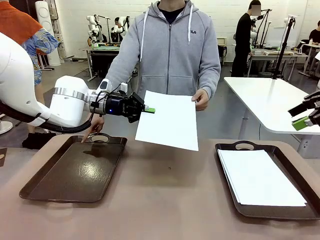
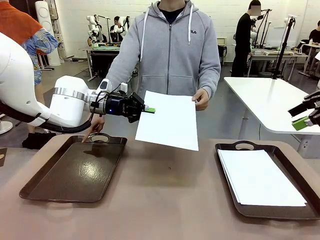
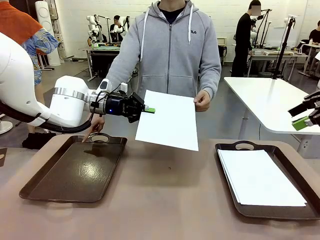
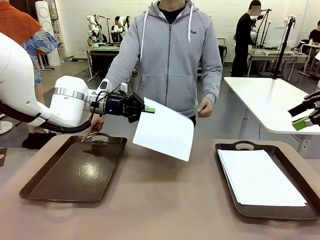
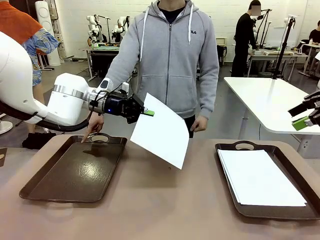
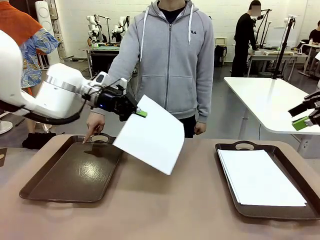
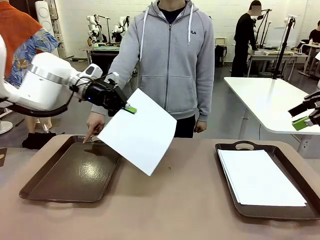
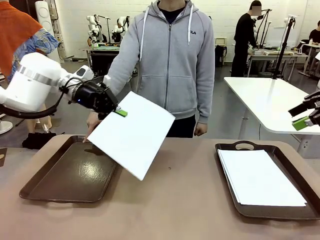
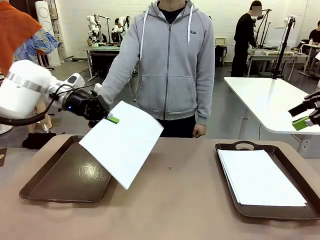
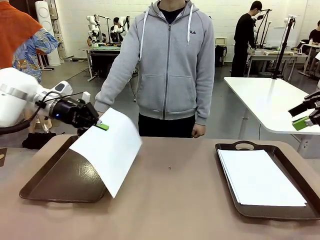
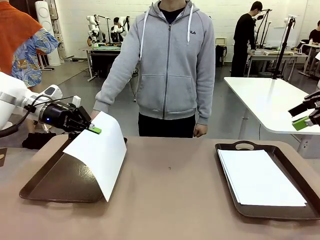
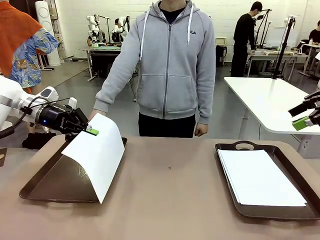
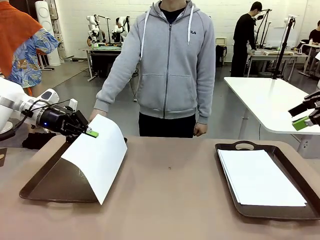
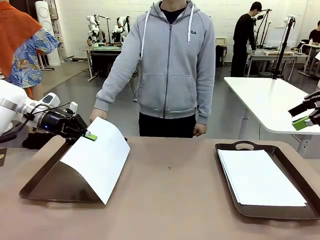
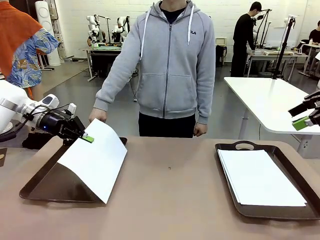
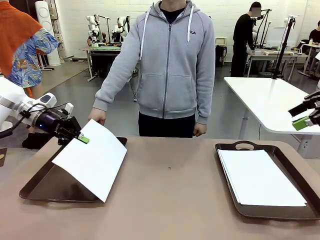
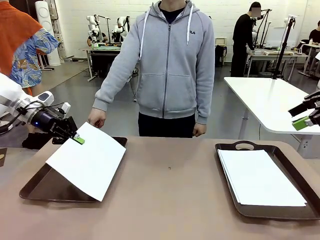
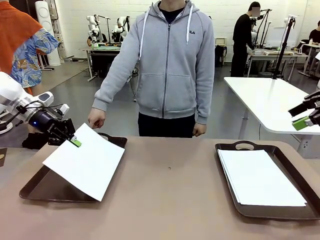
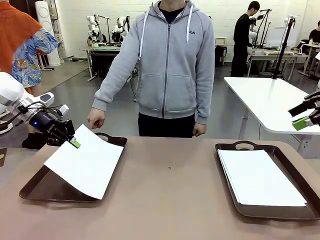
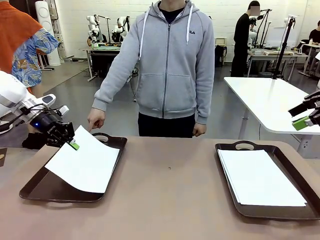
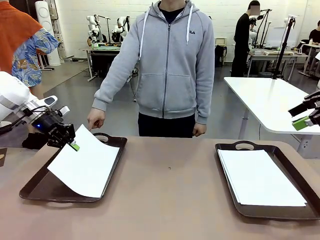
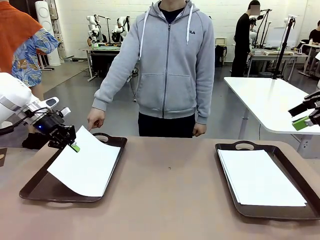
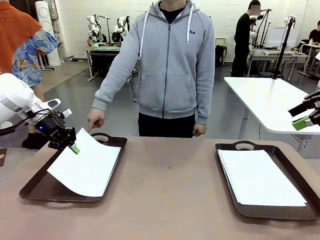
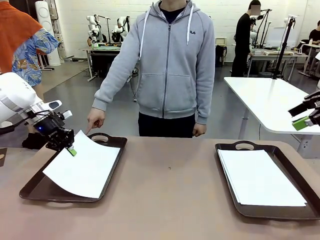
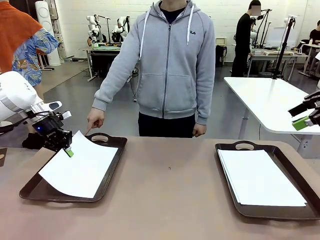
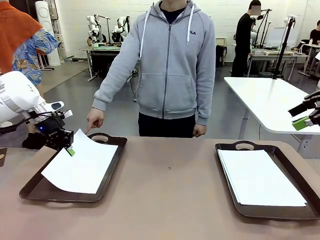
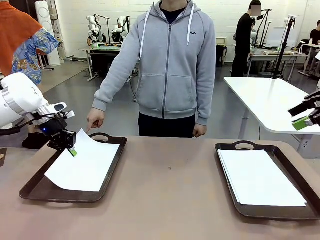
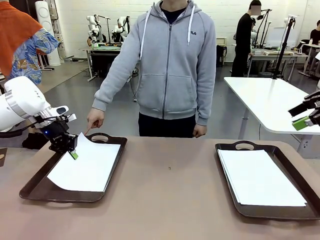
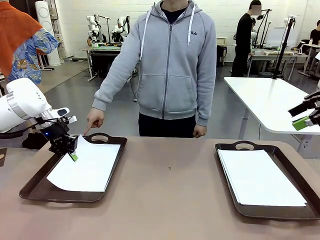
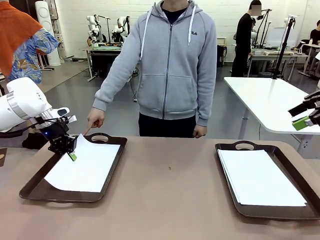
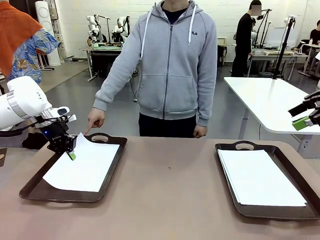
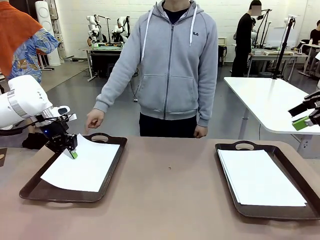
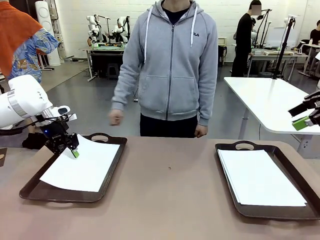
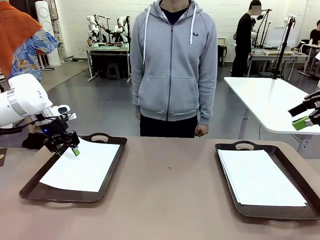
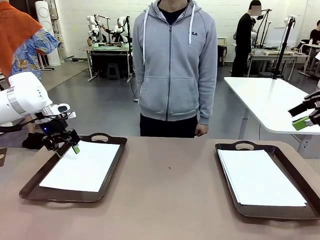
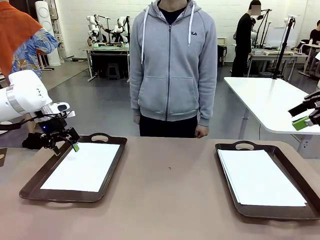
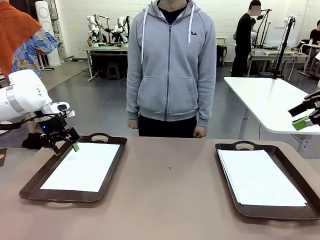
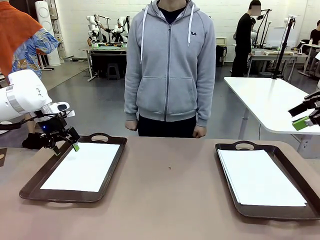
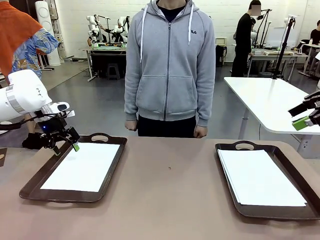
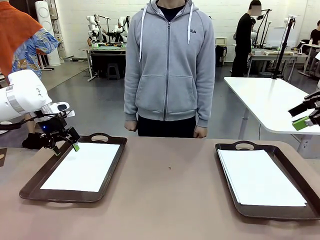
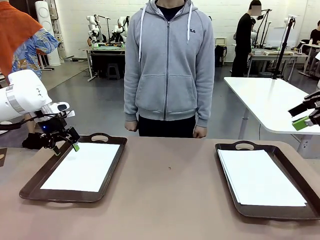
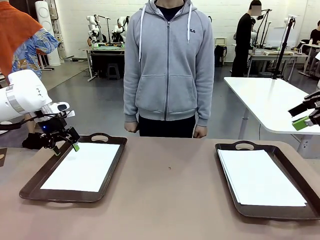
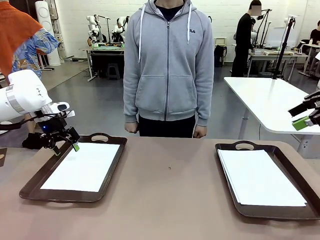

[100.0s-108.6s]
Task: Sort the A4 documents.
Robot: Place the A4 Paper in the designated Handle tray.

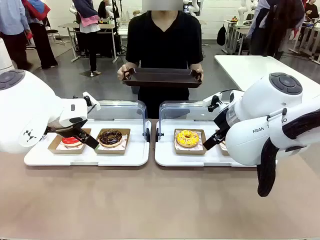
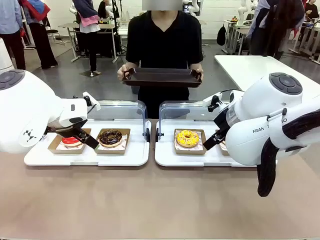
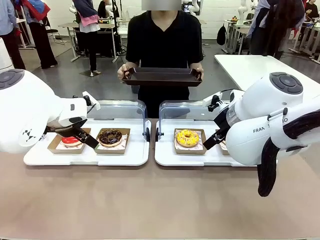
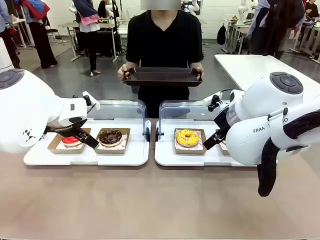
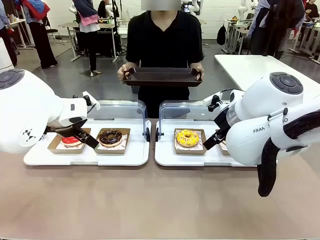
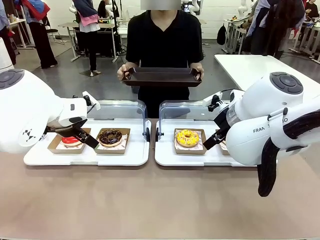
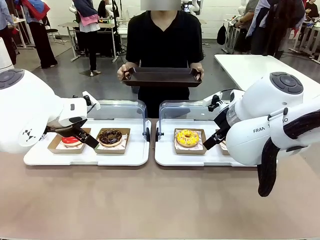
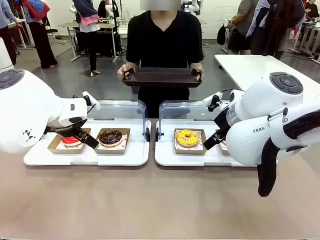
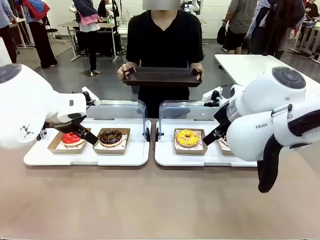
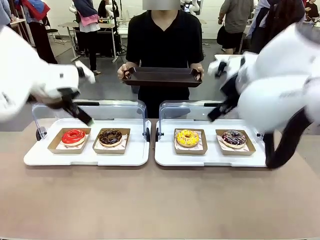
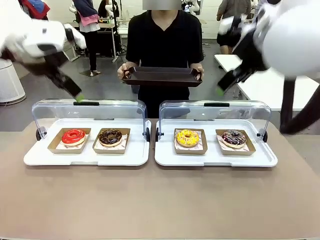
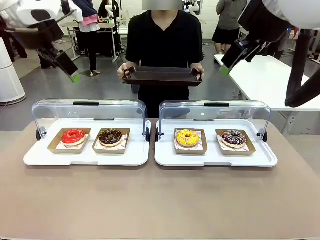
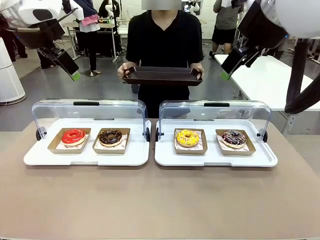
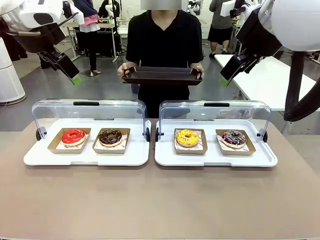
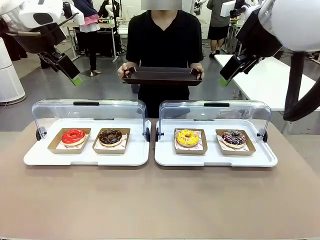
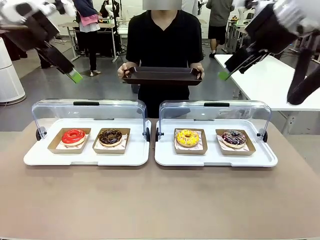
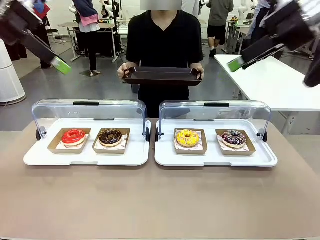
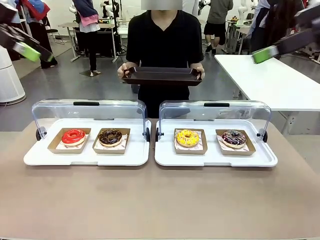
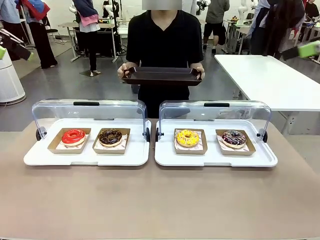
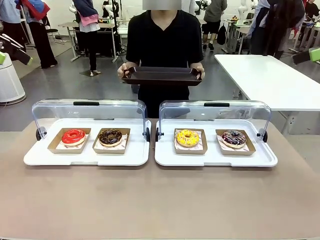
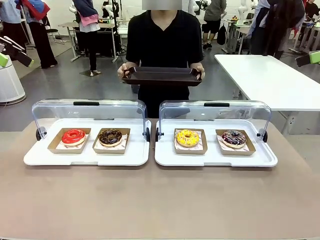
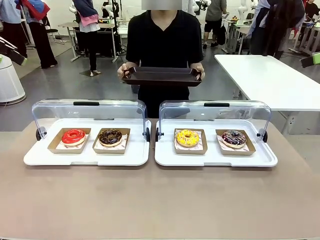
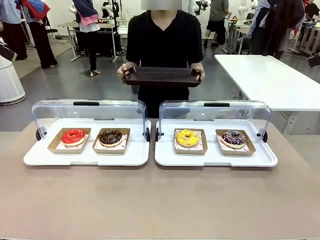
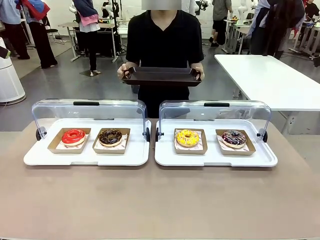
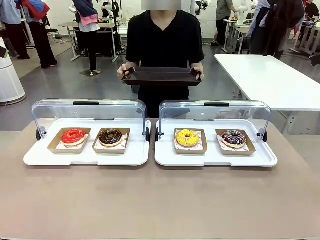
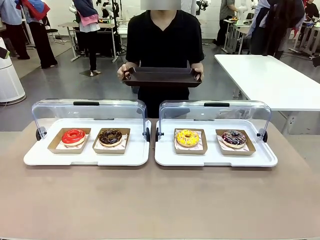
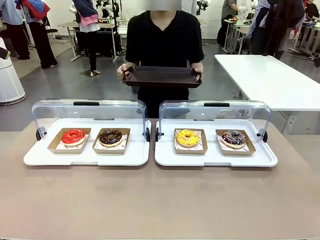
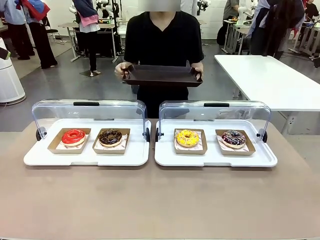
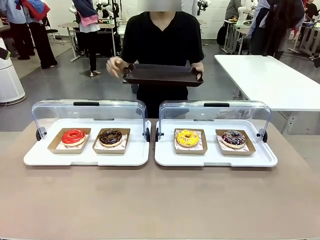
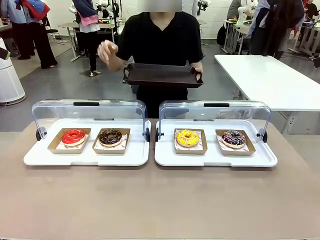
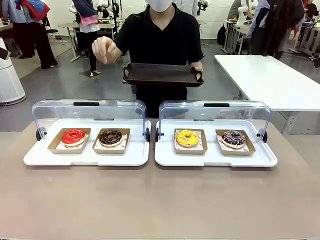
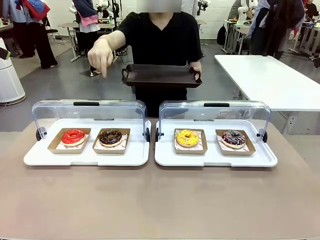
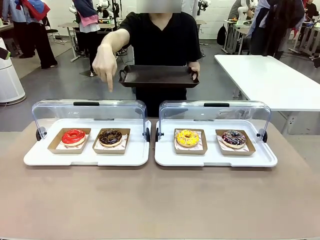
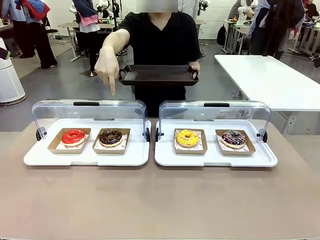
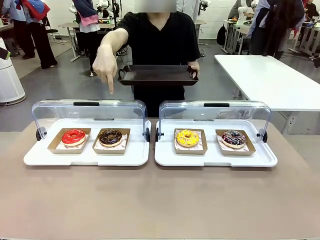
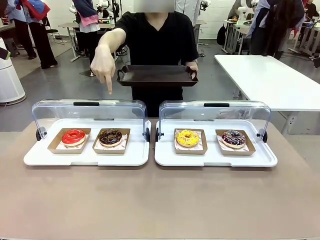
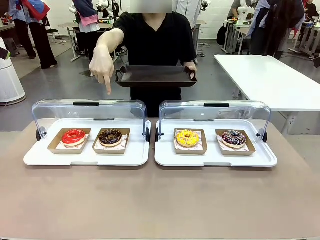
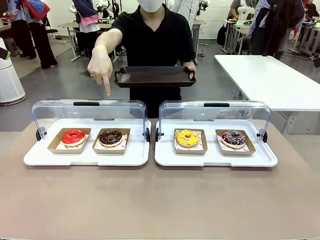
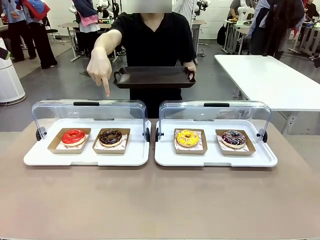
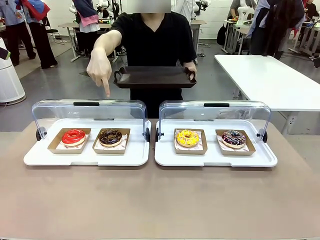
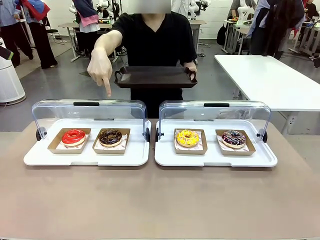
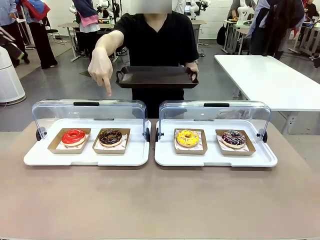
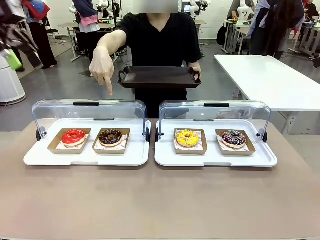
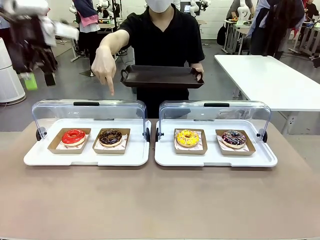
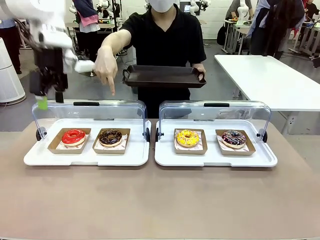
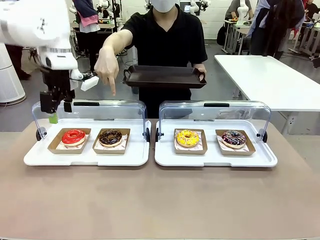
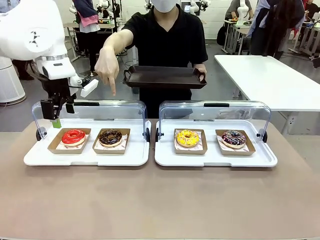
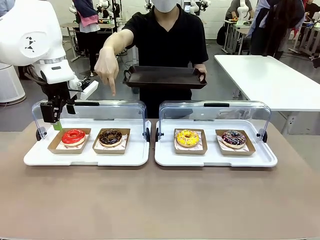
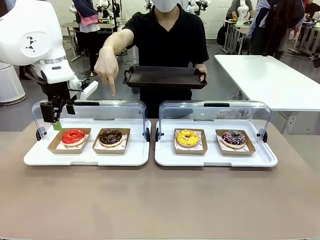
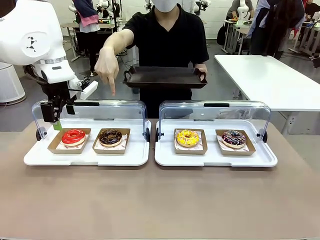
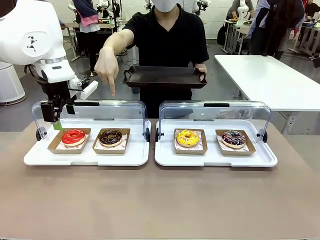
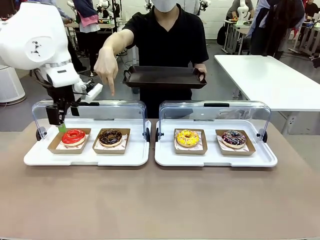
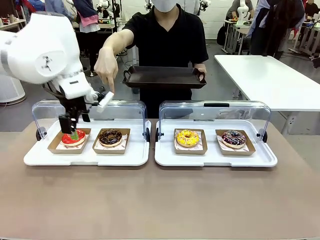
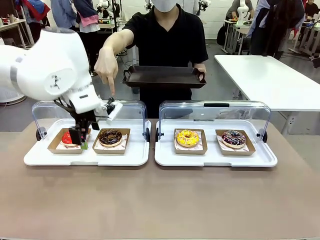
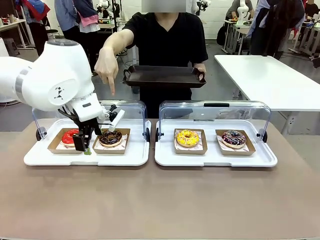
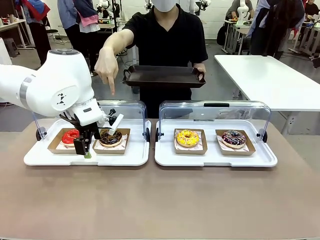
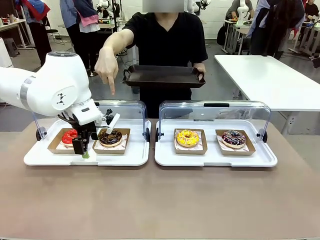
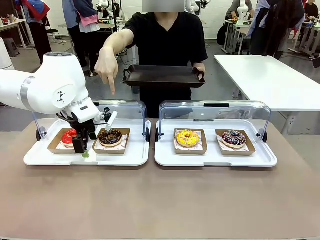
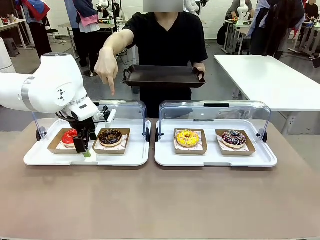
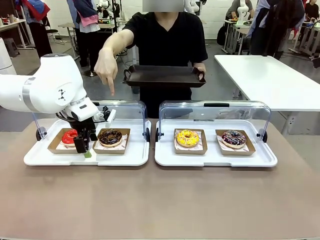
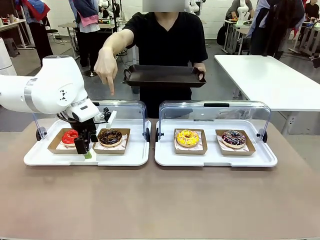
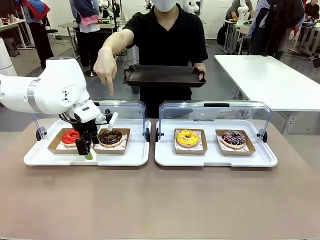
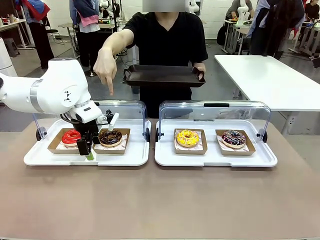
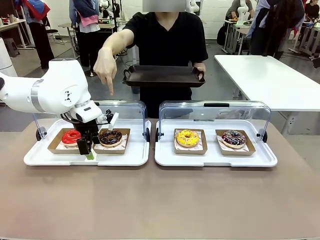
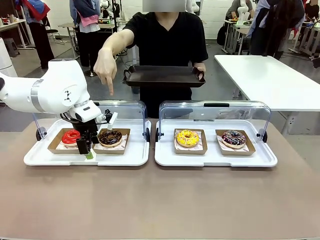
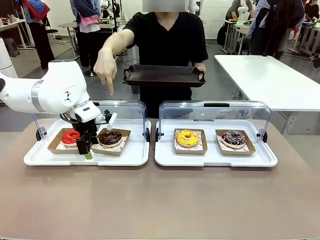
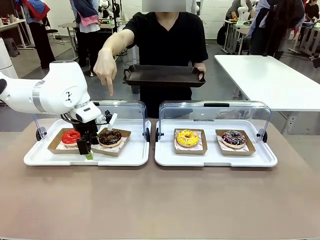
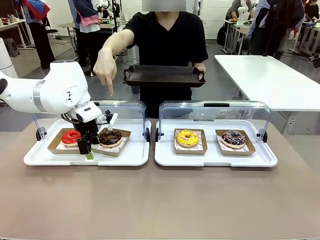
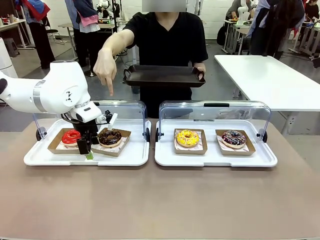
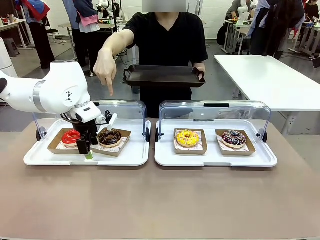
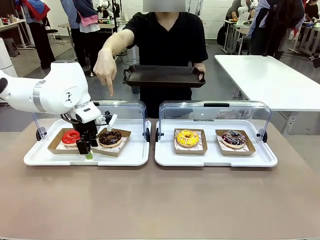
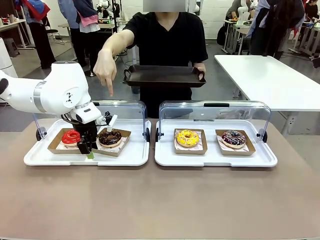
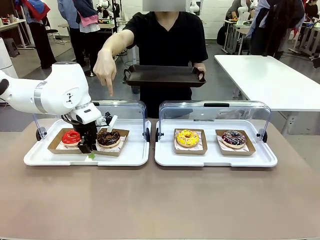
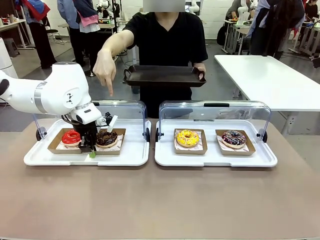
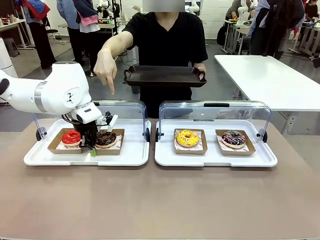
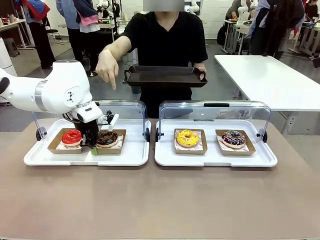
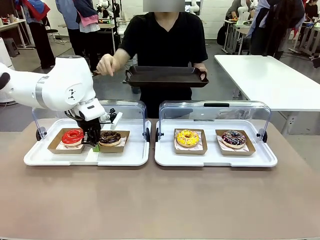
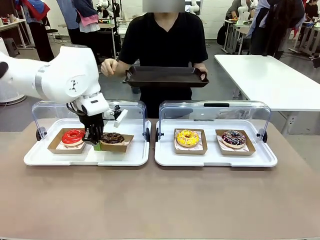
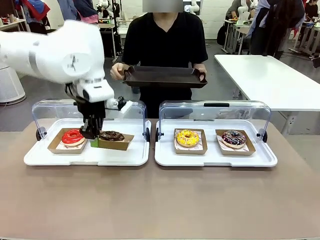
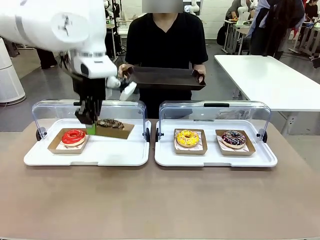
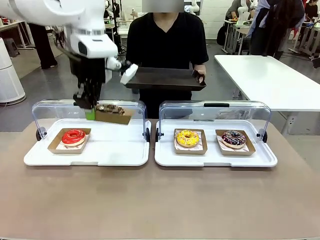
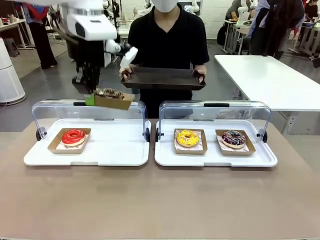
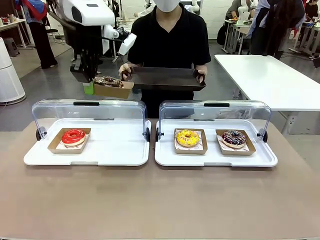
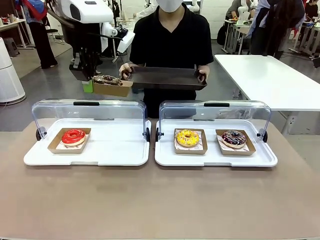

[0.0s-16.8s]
Task: Provide the desired donut to the person.
Robot: Pick up and lift the Paper togo box containing the Donut pointed at by the person.
Person: Point to one donut. Lift the tray onto the Roll-Top Bakery Case.
